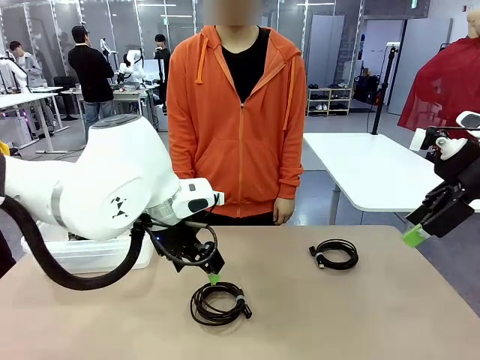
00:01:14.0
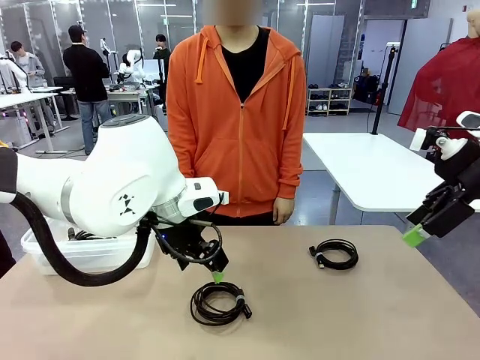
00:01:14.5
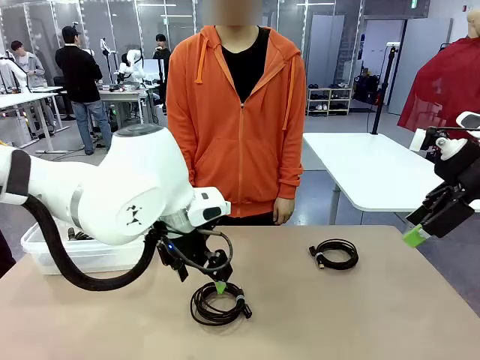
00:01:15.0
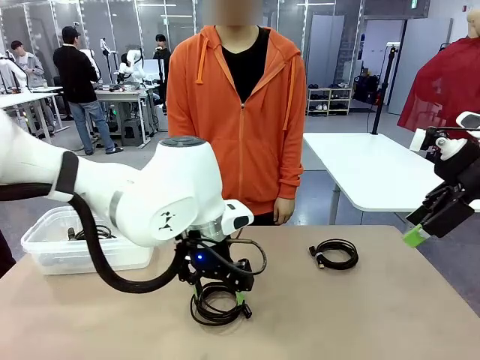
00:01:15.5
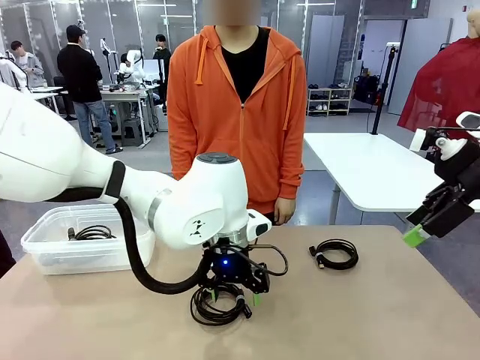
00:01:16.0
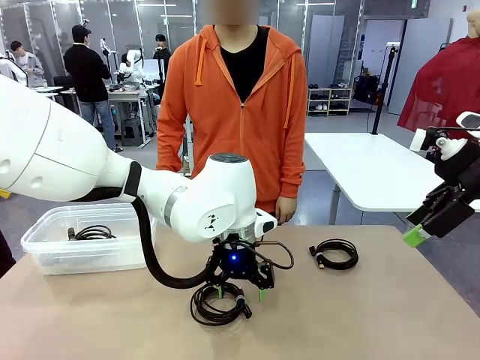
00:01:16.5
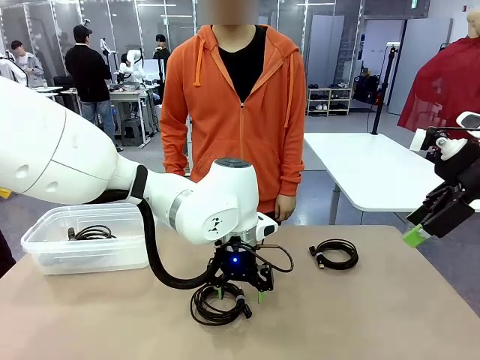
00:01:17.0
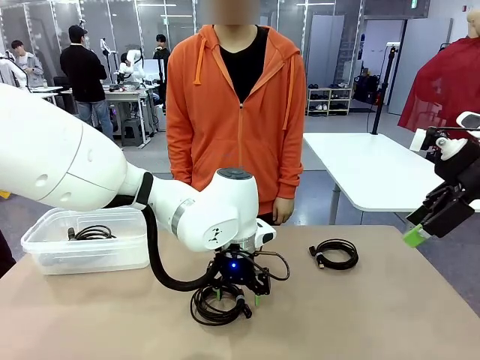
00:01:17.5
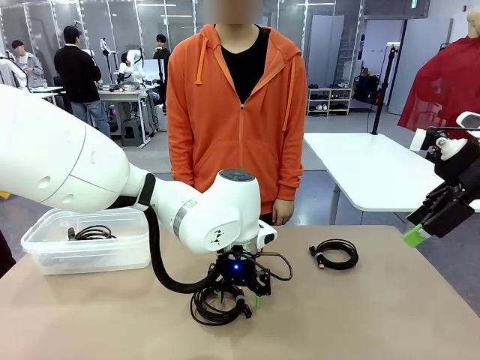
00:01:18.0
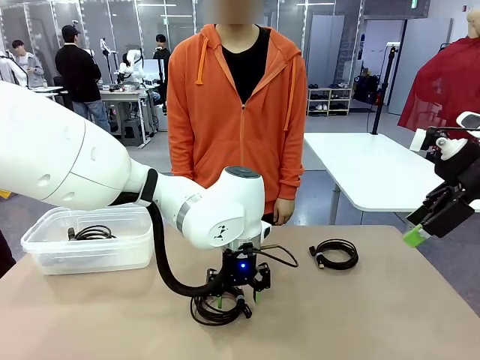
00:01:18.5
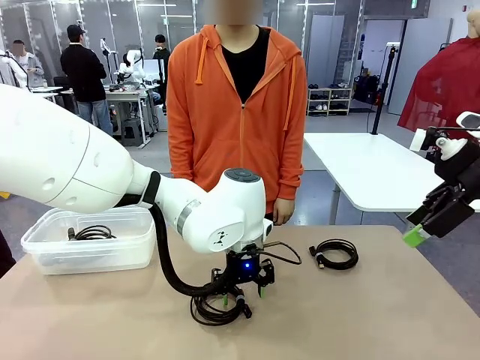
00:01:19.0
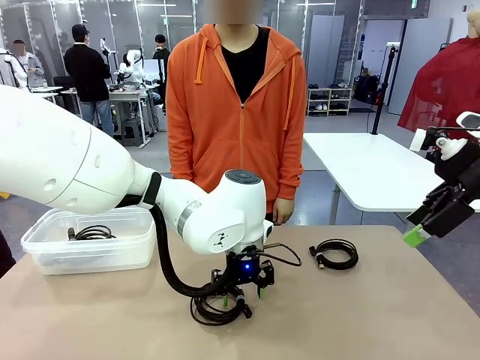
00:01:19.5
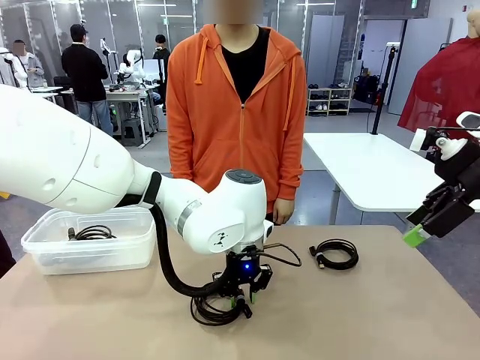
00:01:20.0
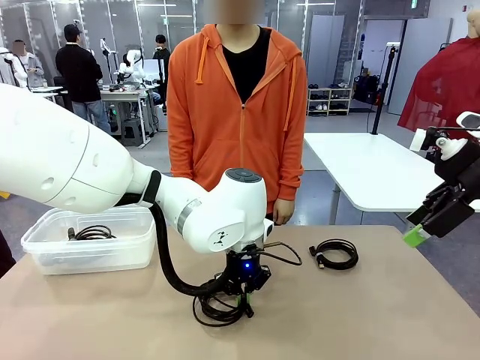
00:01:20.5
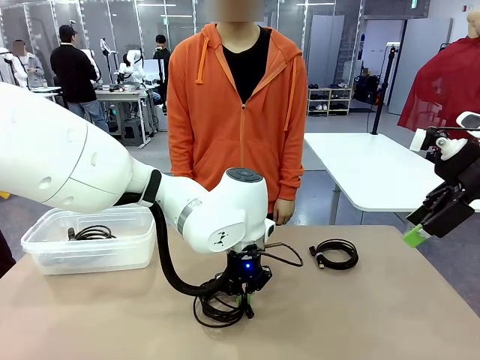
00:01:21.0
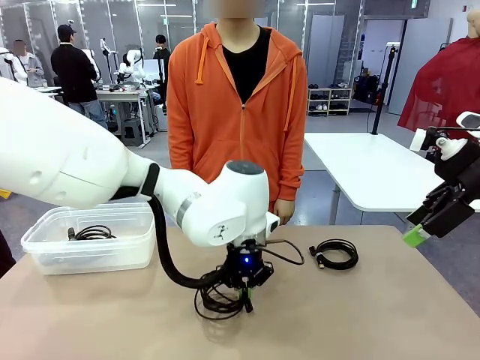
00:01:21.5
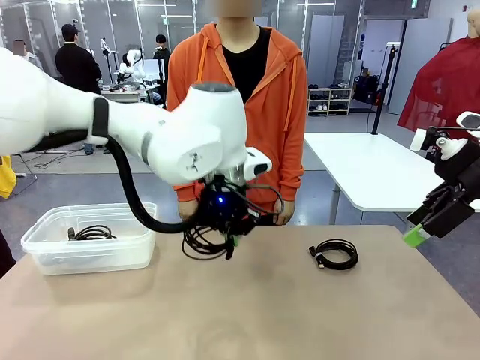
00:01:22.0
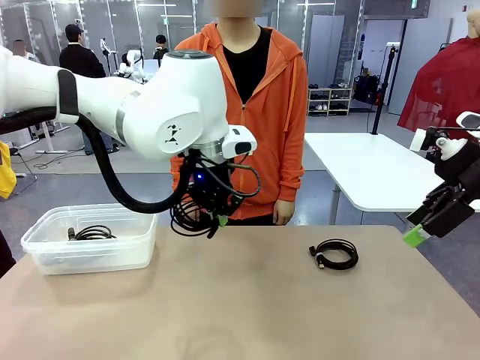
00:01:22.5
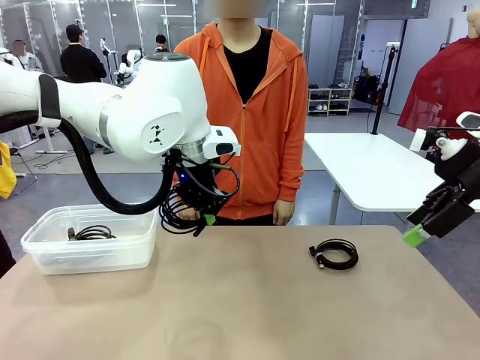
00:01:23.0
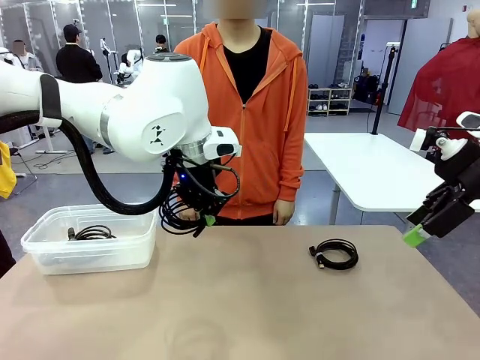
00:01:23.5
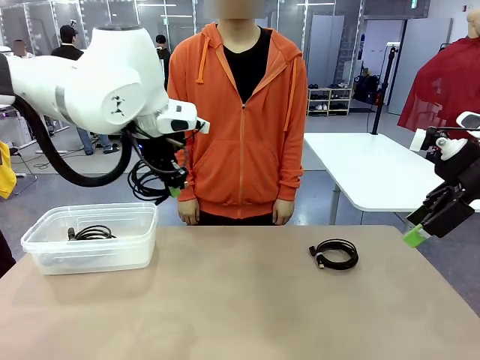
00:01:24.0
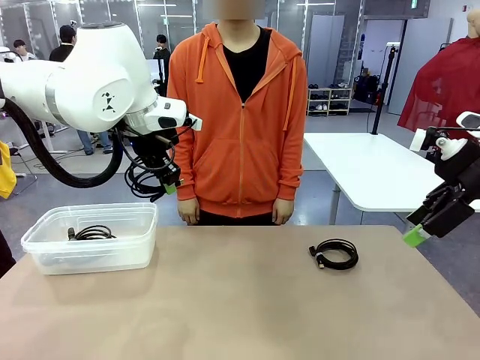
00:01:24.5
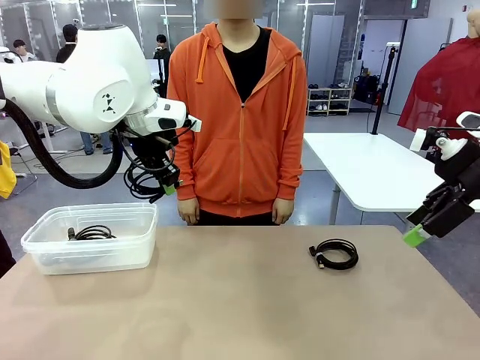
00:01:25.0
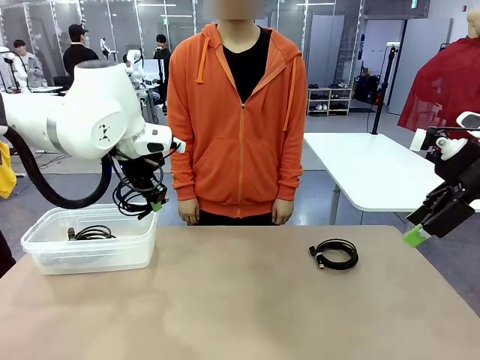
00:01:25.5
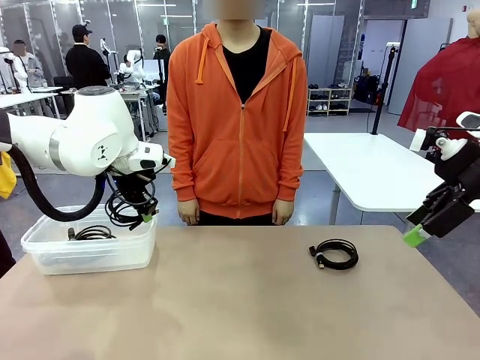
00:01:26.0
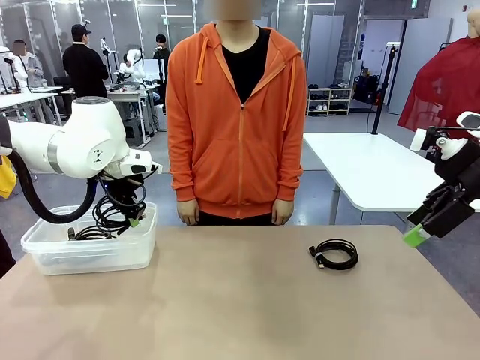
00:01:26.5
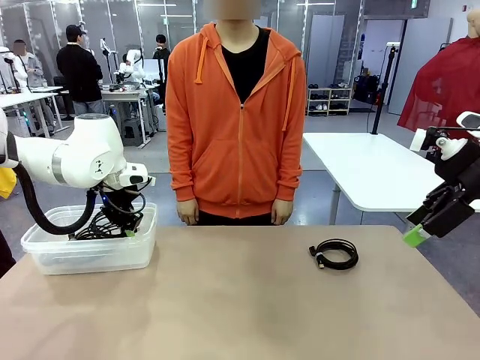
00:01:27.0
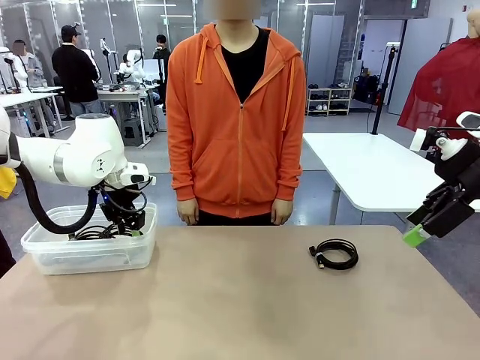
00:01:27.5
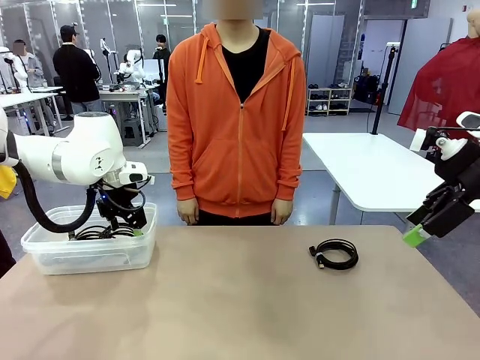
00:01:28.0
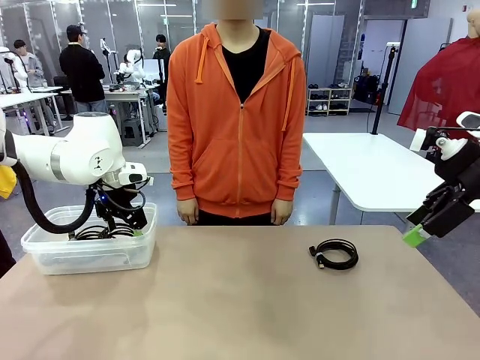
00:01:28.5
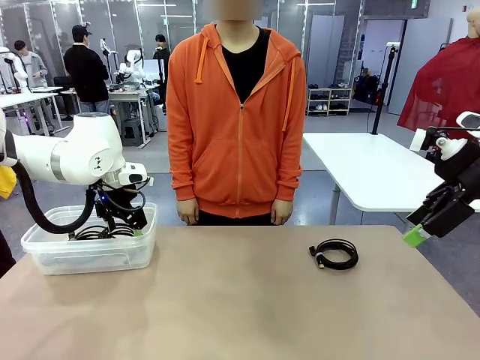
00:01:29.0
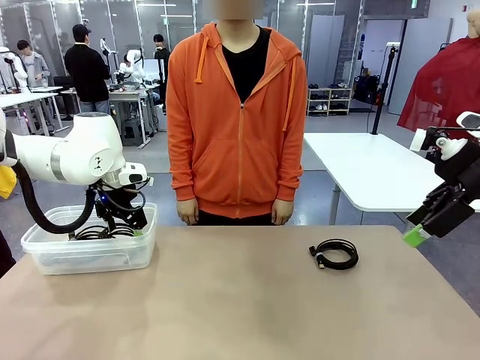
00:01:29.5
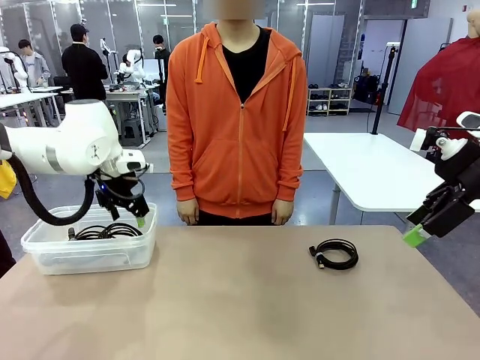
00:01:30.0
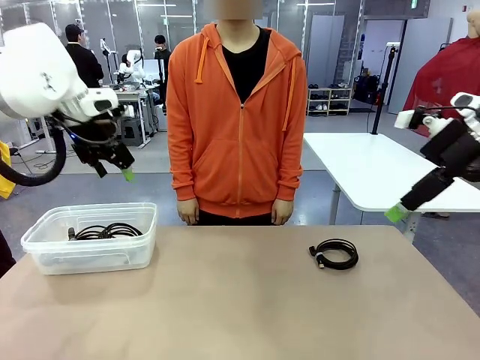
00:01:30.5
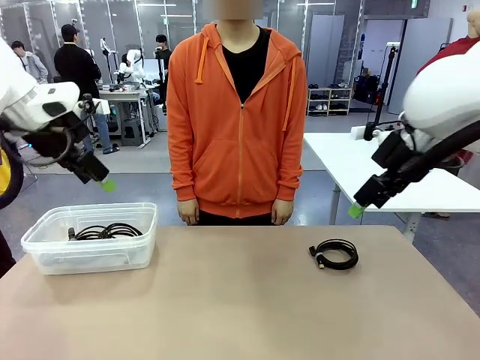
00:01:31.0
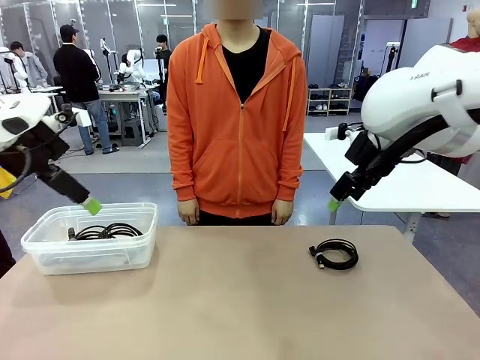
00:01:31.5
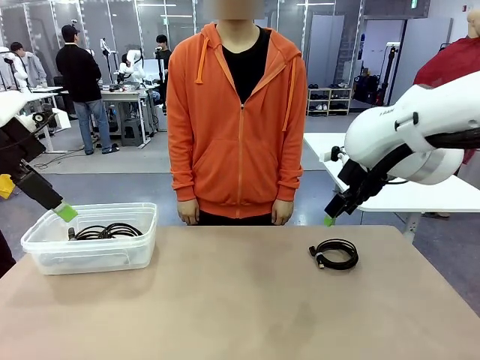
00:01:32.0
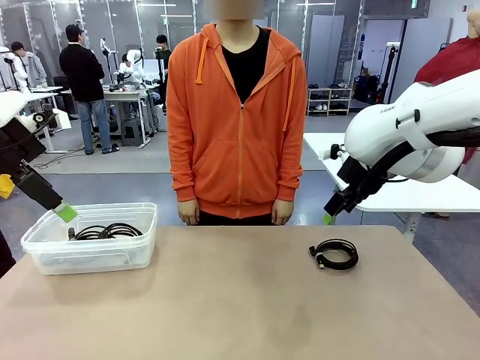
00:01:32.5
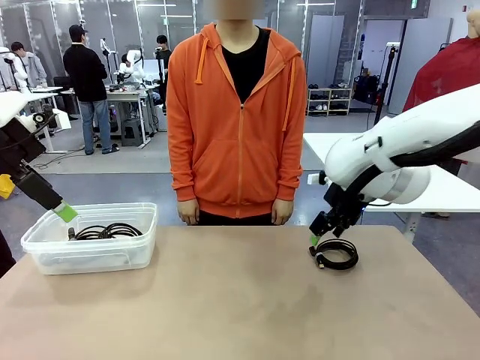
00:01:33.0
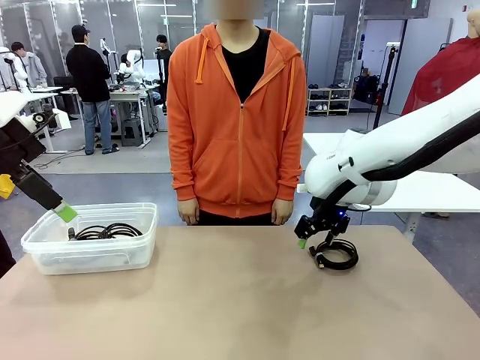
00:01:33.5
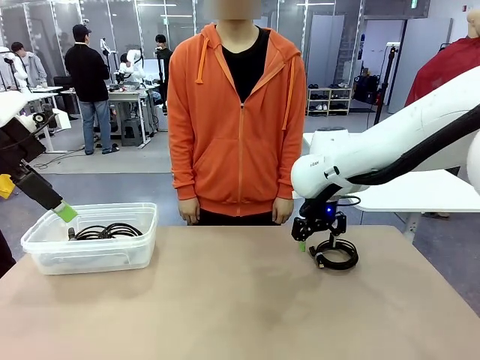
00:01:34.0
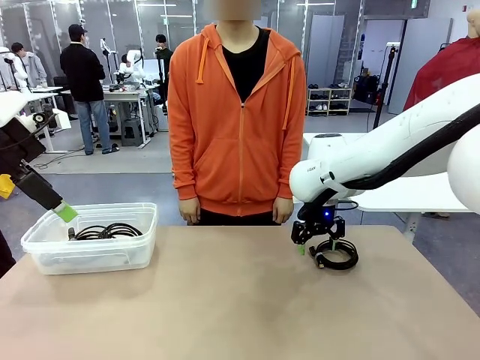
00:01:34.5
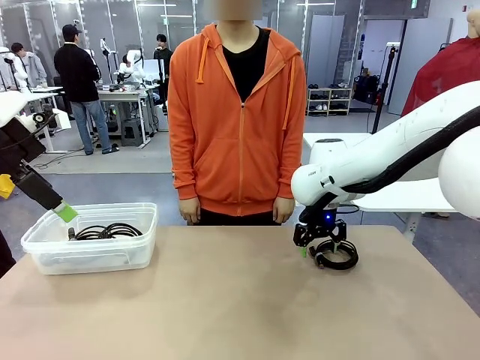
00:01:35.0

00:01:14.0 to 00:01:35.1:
Task: Organize and store the cables.
Robot: Place the USB Extension Cable into the Organizing box.

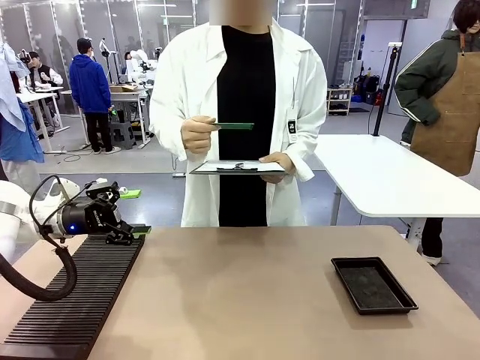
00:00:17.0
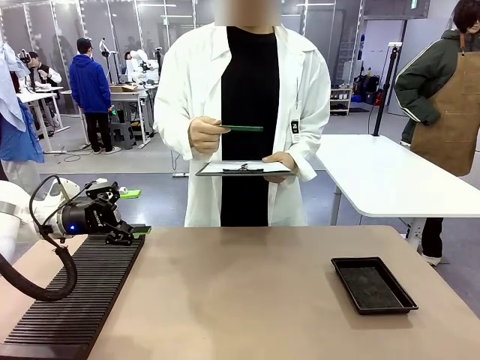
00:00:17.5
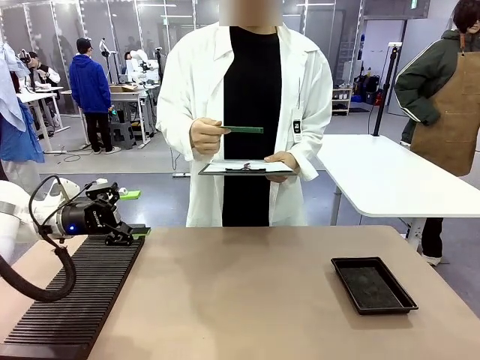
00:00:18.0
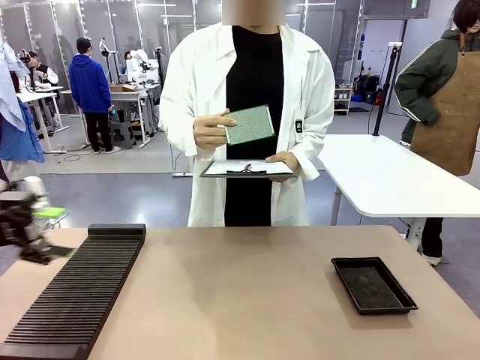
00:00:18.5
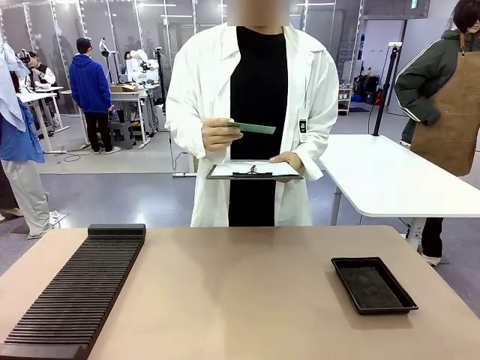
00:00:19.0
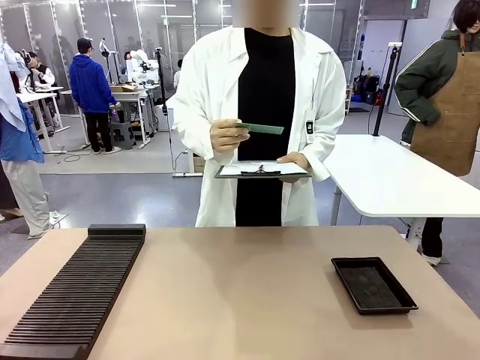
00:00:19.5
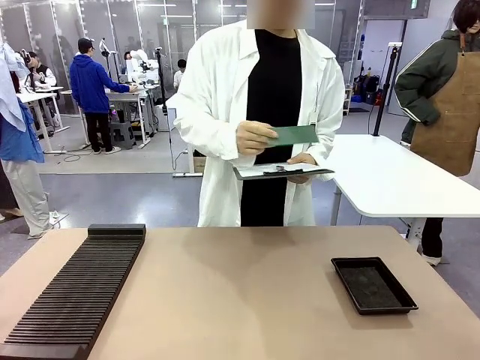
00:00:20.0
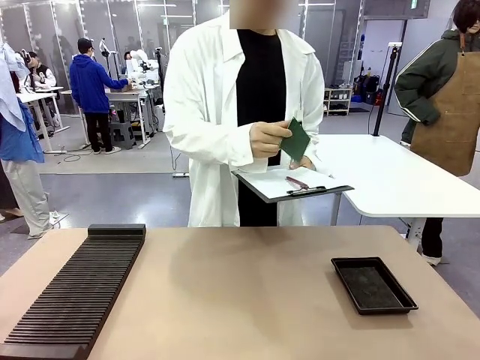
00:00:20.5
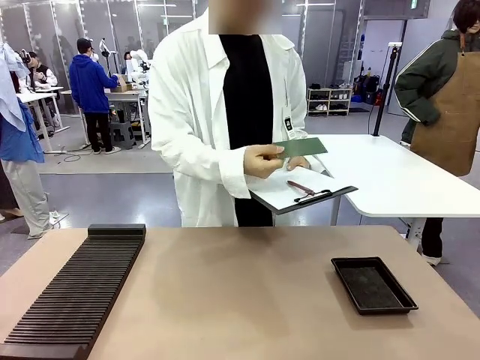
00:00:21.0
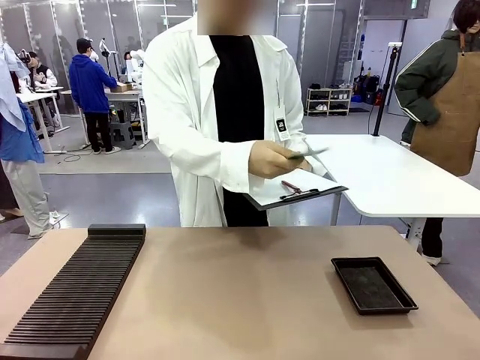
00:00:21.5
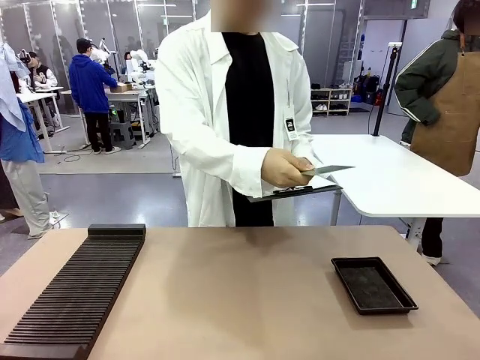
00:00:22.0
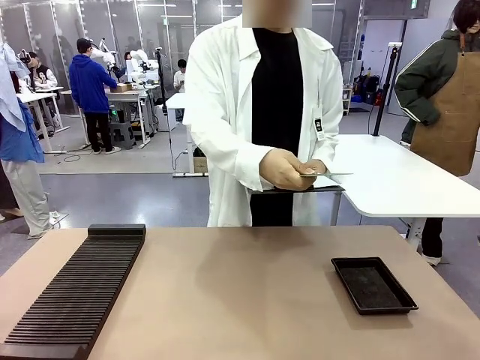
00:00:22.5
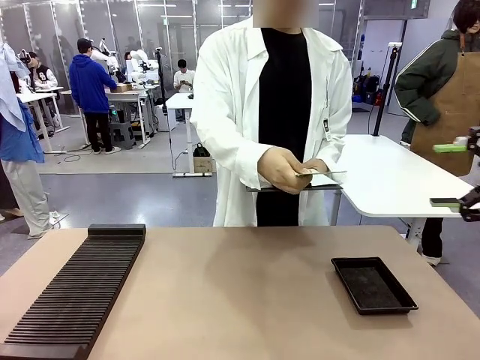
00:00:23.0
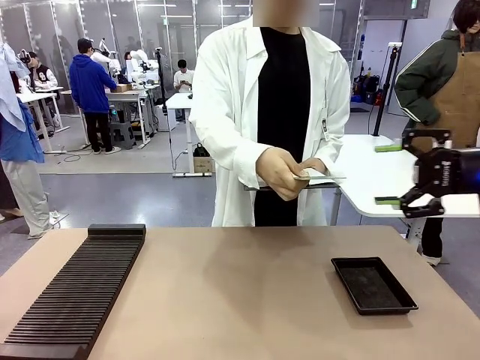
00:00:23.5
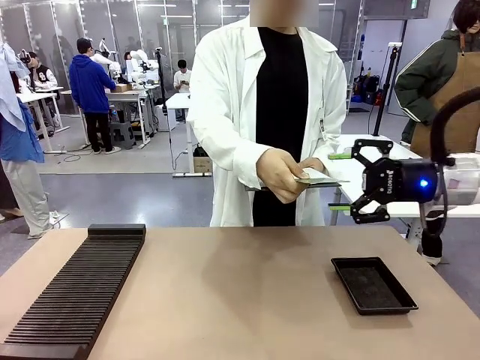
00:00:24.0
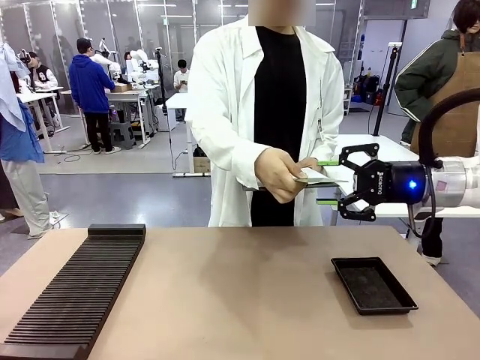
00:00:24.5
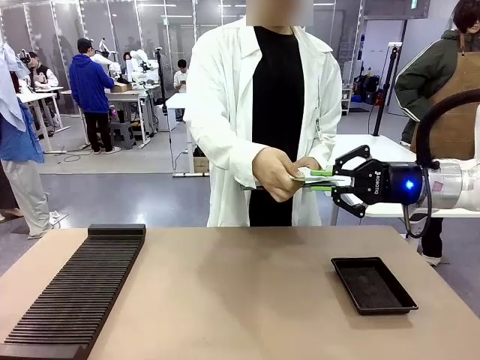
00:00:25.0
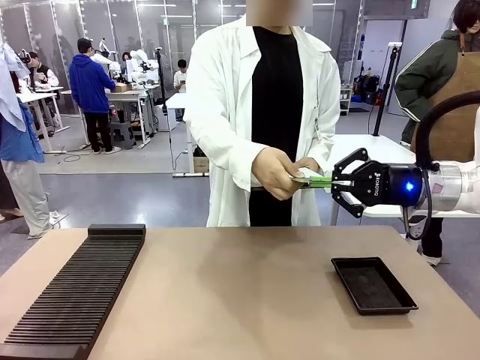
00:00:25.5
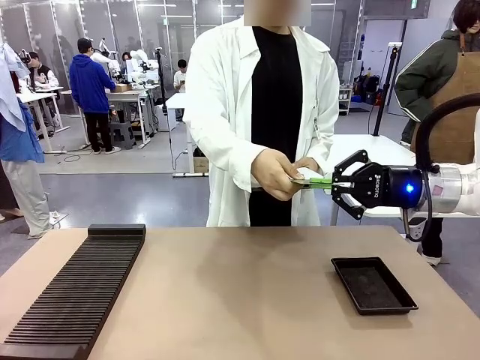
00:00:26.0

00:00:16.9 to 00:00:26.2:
Task: Inspect the PCB.
Robot: Pick up the Blank PCB that the human is holding.
Person: Inspect the PCB placed by the robot, then hold it out in front of the robot. Release the PCB you were holding.
